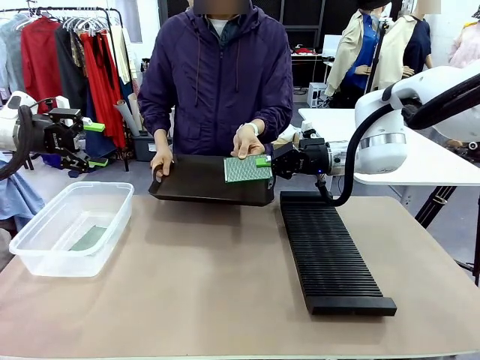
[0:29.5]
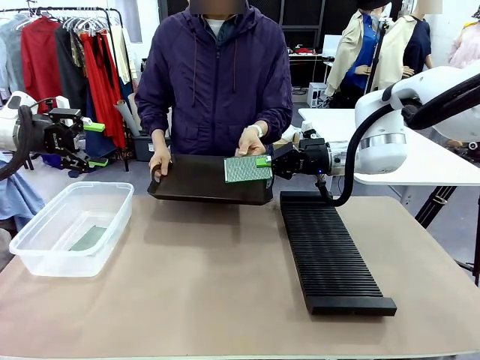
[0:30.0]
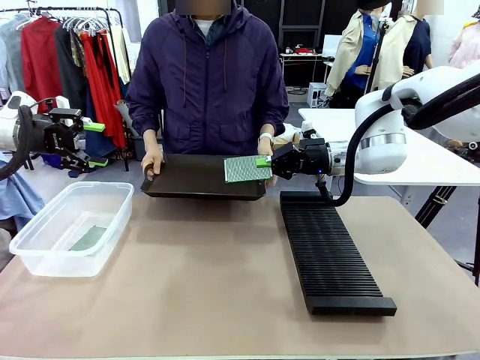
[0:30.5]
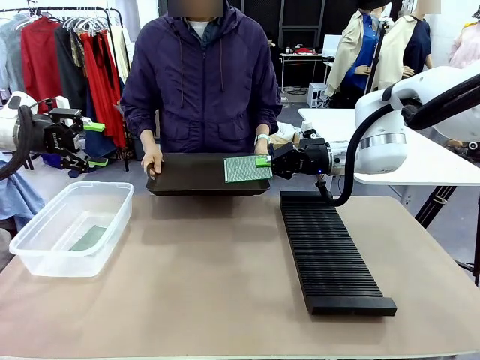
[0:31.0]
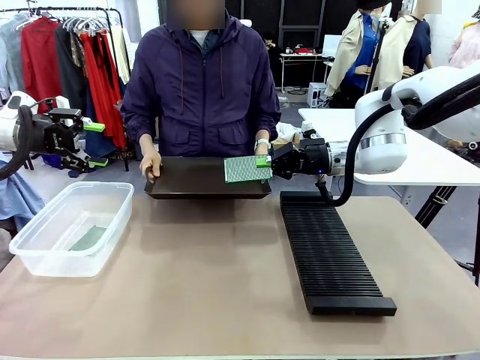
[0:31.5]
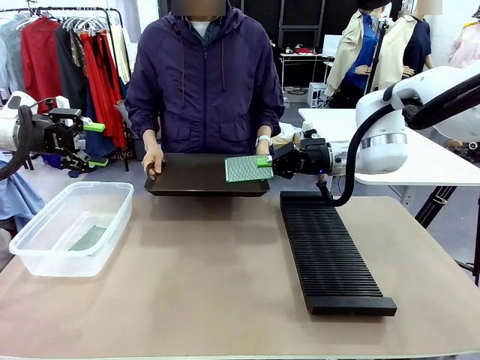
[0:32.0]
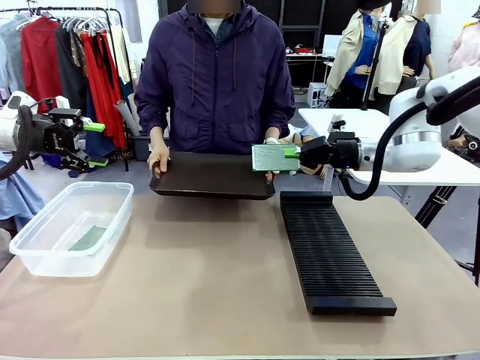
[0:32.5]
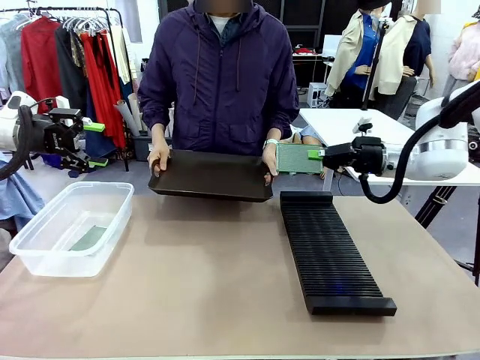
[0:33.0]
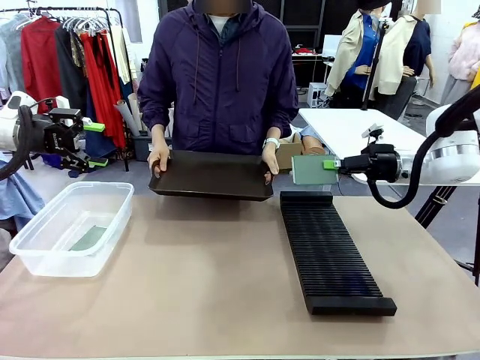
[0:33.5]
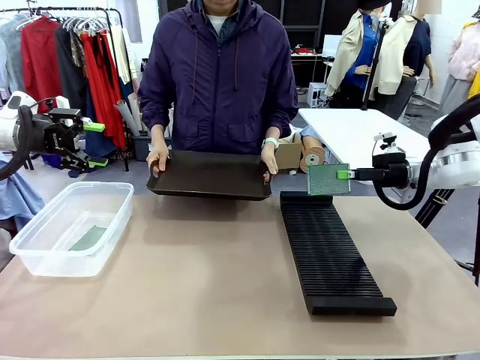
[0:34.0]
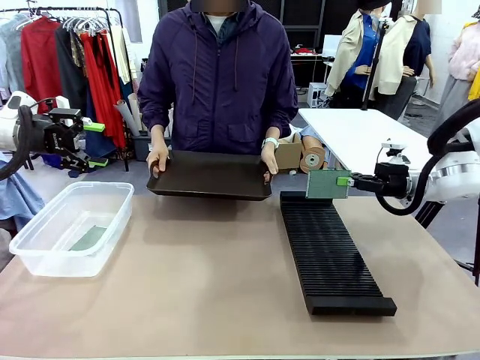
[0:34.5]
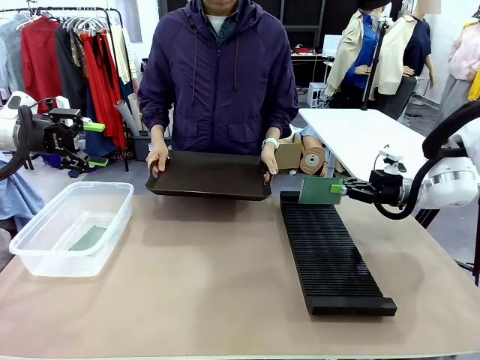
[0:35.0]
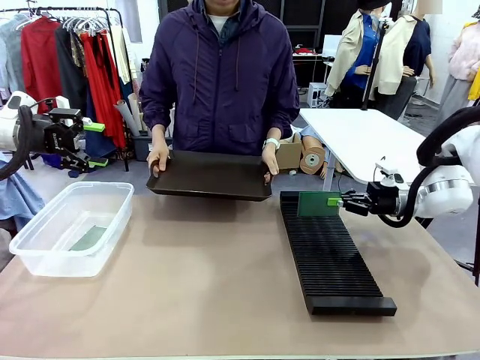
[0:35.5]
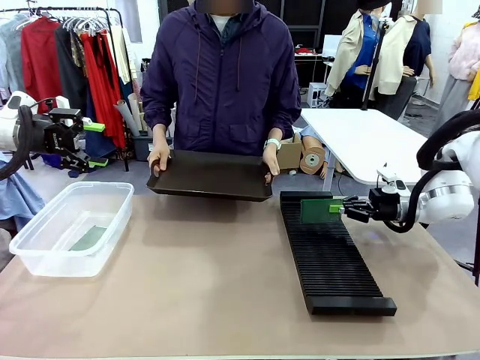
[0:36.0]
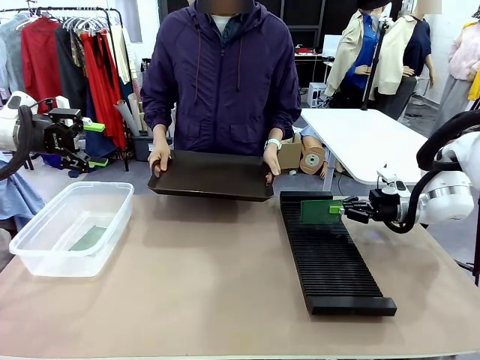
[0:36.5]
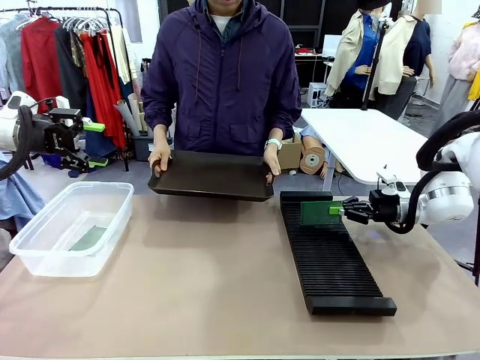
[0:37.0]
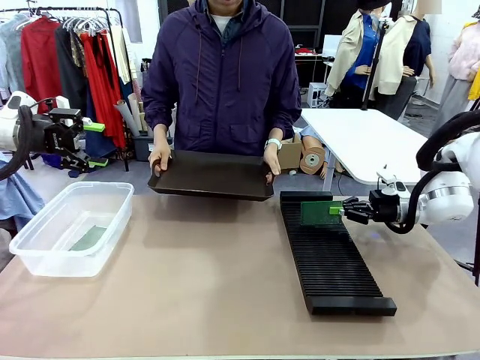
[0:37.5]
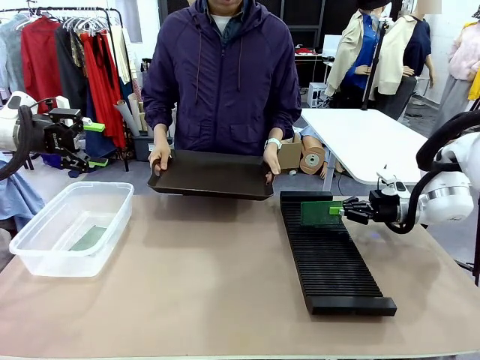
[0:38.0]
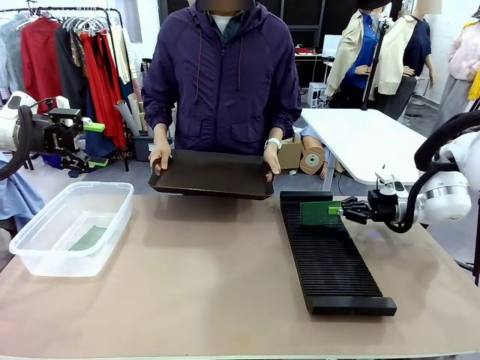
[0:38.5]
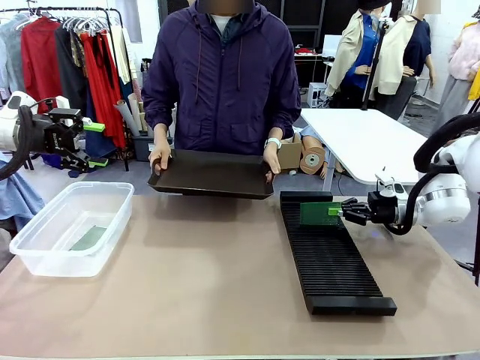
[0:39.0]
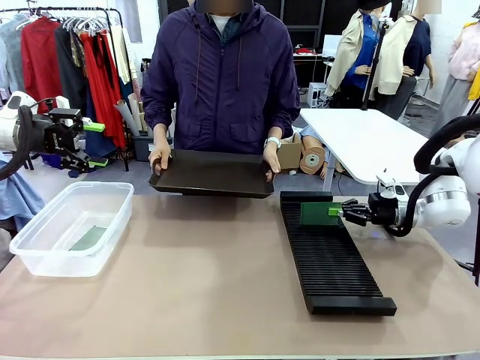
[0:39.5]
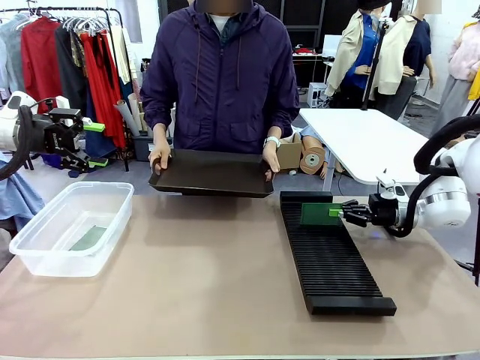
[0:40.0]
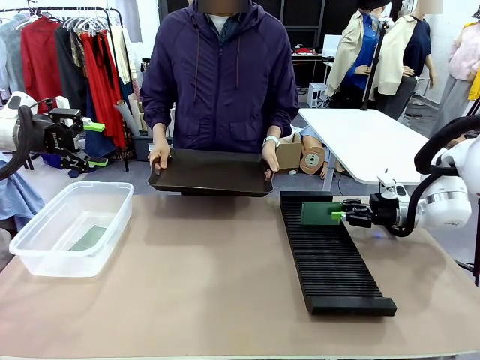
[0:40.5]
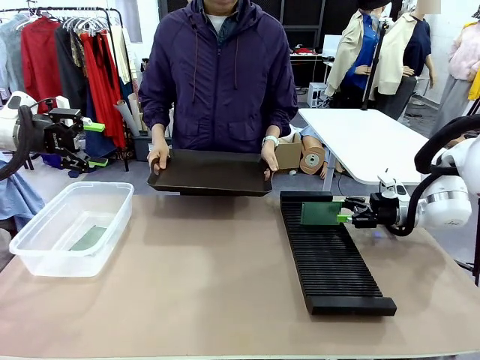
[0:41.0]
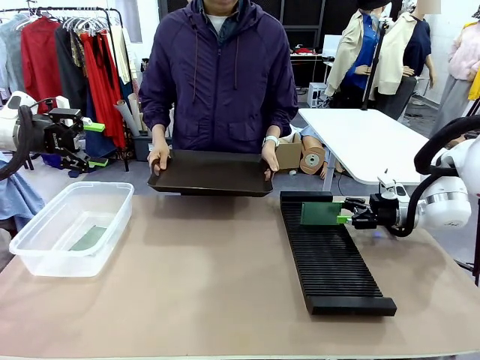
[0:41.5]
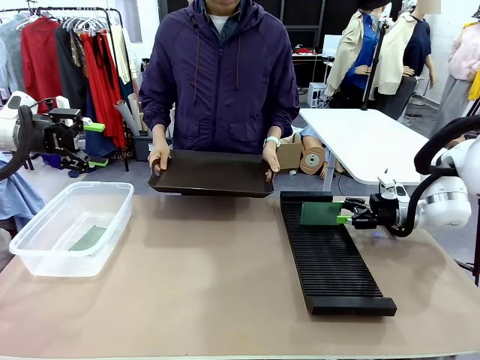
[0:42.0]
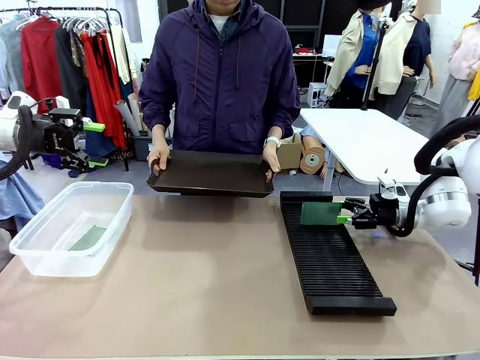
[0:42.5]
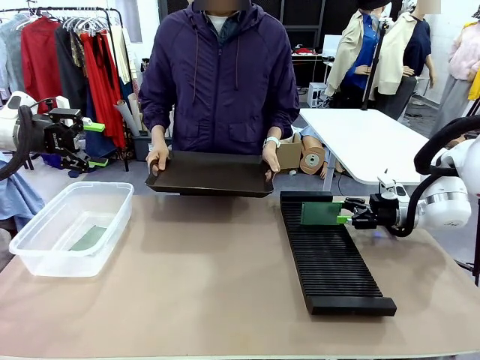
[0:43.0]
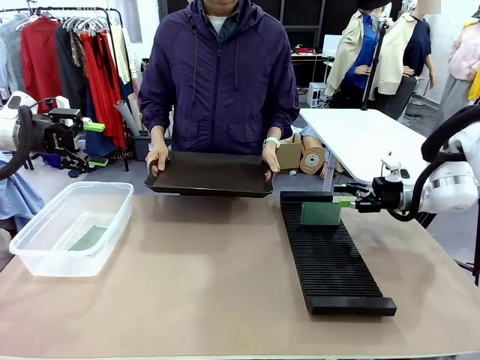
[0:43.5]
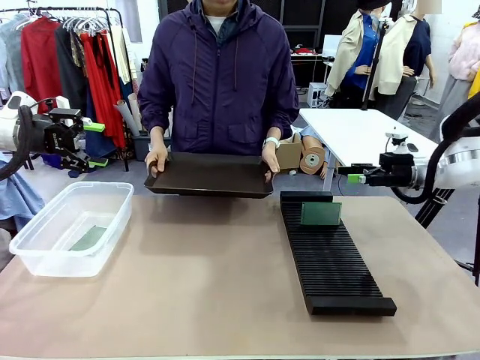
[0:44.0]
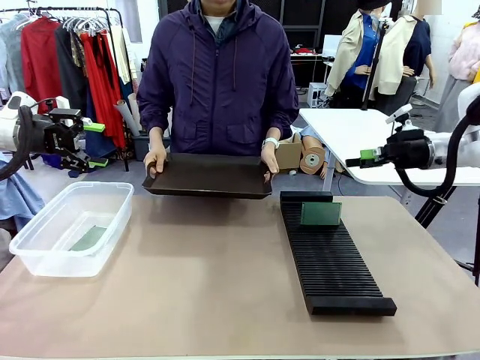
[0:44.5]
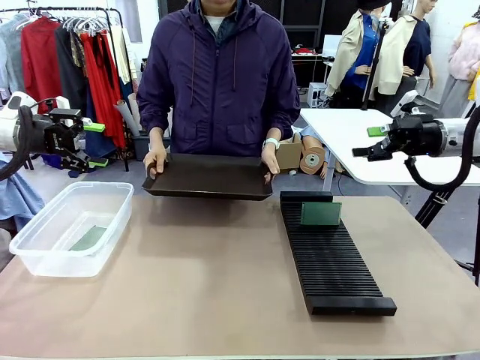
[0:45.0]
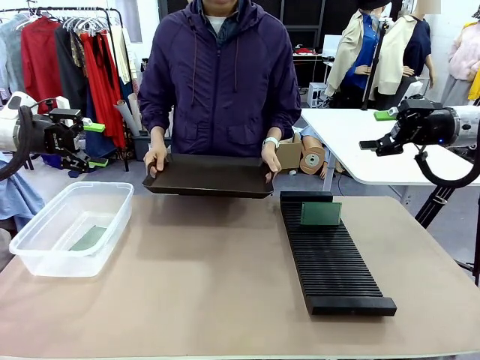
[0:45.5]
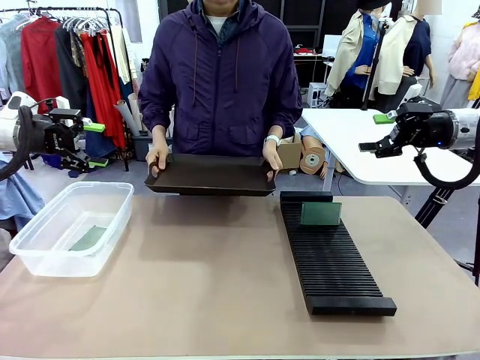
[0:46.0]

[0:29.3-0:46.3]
Task: Sort PCBs into racks and boxes based on the side picked up.
Robot: If the short side of the Blank PCB is picked up, insert it into the PCB Rack ; if the long side is picked up, place it in the Organizing box.
Person: Release the PCB being held.

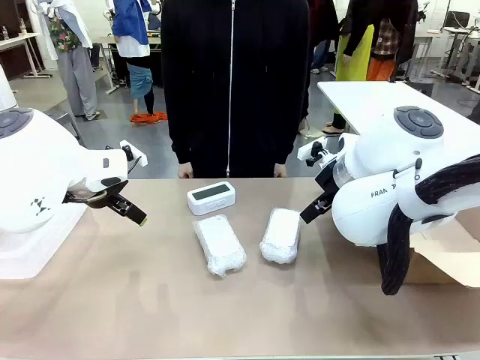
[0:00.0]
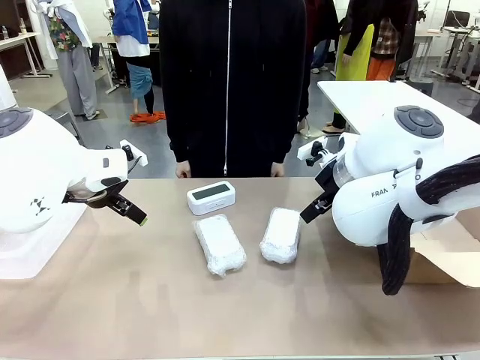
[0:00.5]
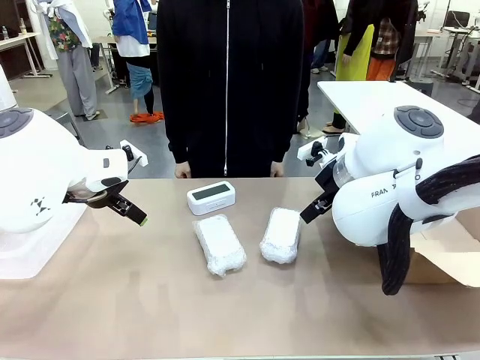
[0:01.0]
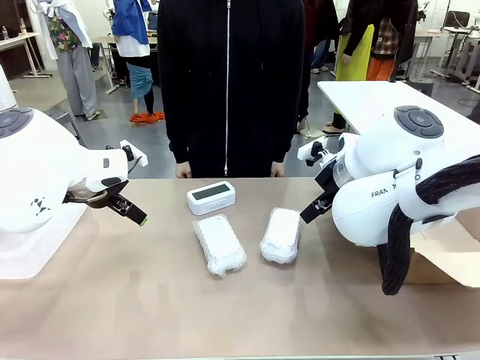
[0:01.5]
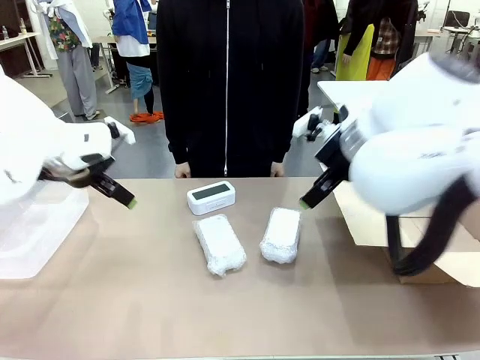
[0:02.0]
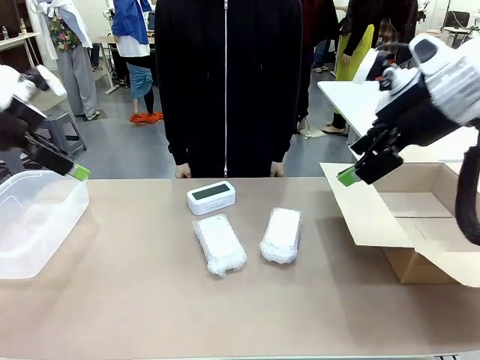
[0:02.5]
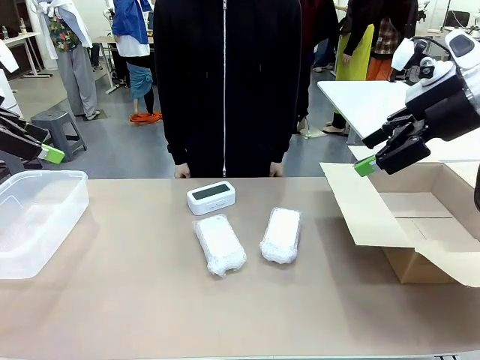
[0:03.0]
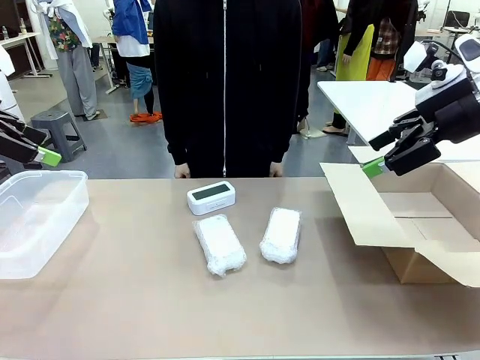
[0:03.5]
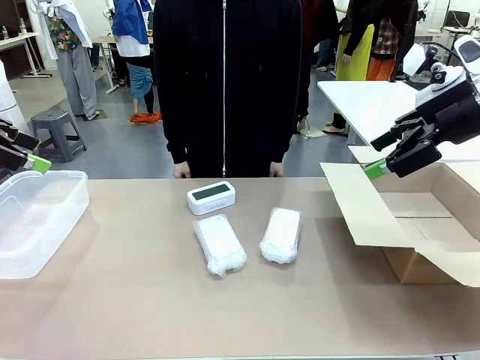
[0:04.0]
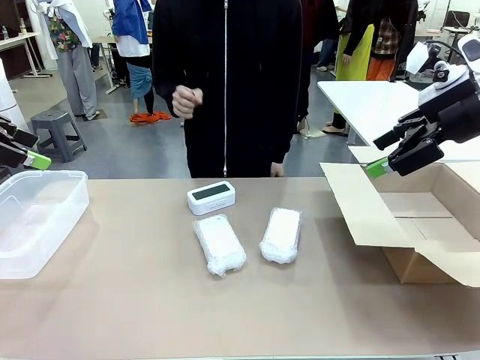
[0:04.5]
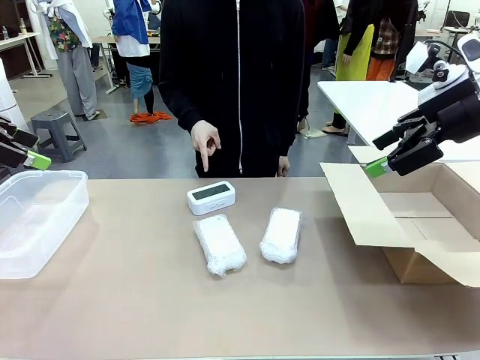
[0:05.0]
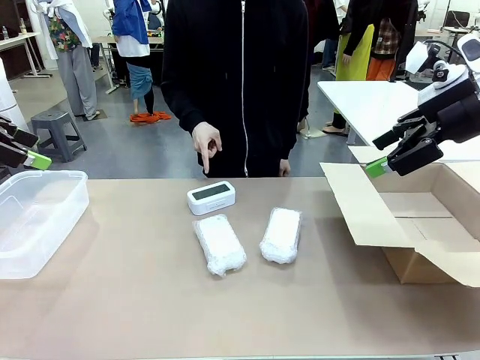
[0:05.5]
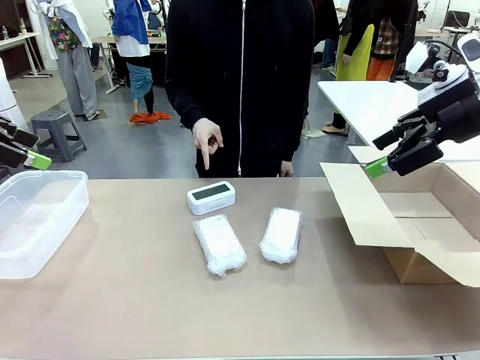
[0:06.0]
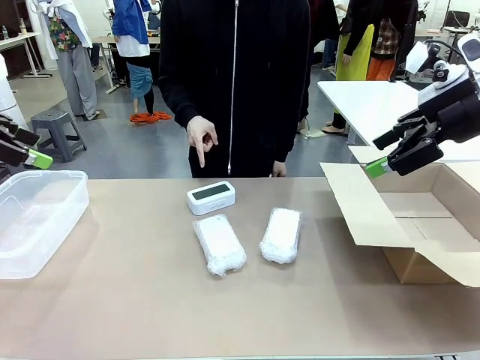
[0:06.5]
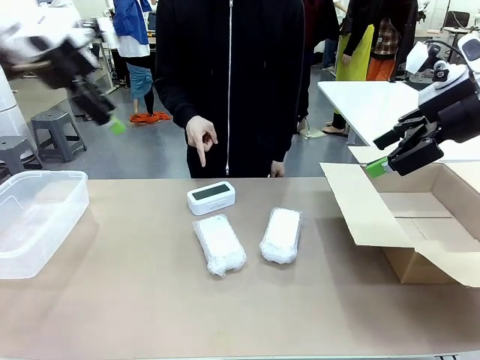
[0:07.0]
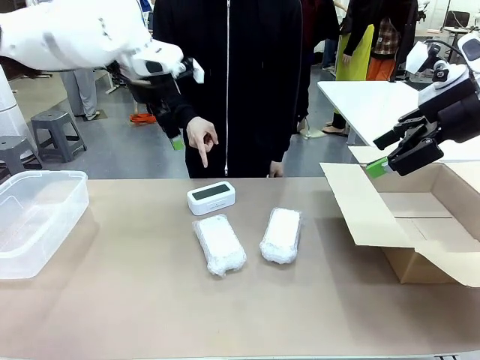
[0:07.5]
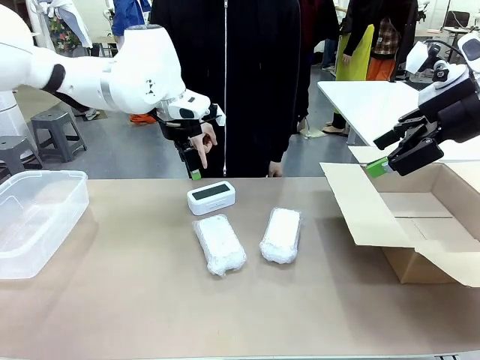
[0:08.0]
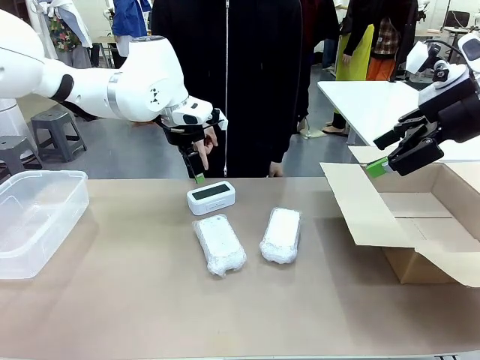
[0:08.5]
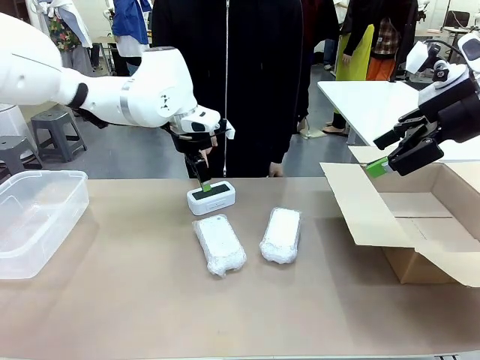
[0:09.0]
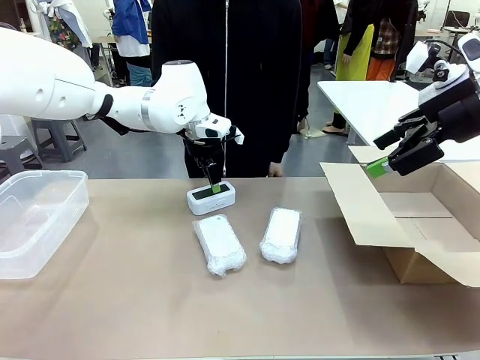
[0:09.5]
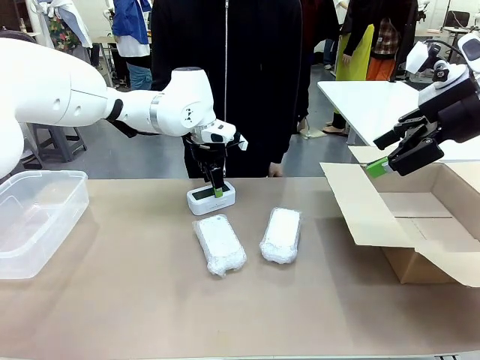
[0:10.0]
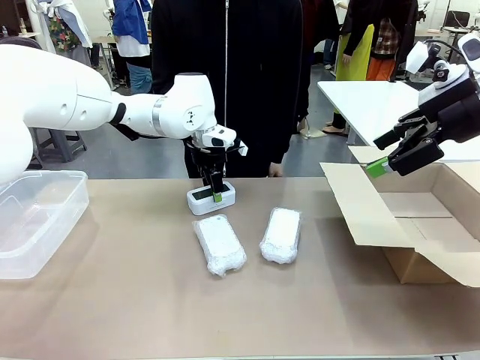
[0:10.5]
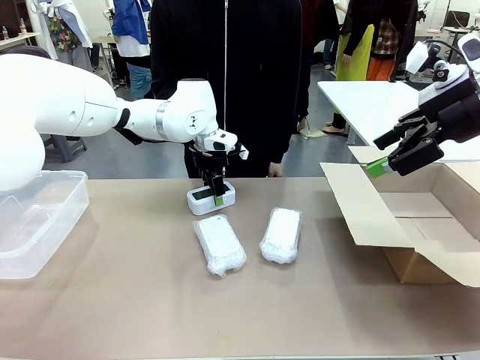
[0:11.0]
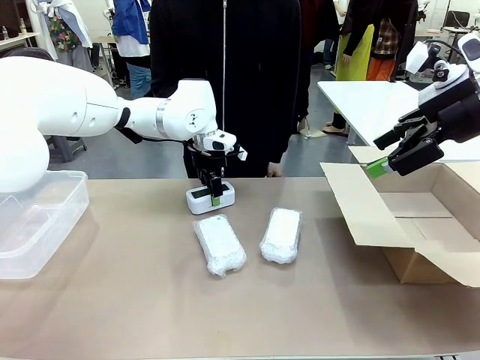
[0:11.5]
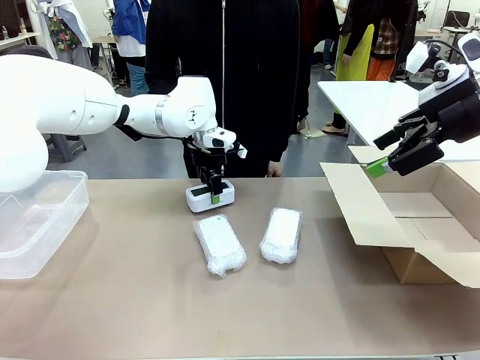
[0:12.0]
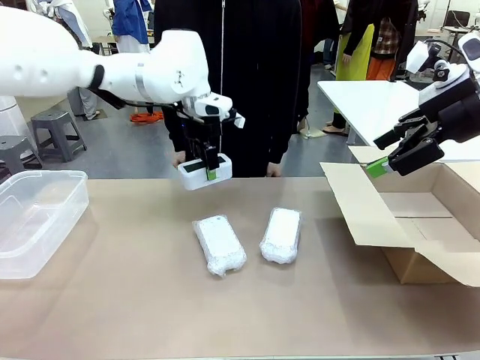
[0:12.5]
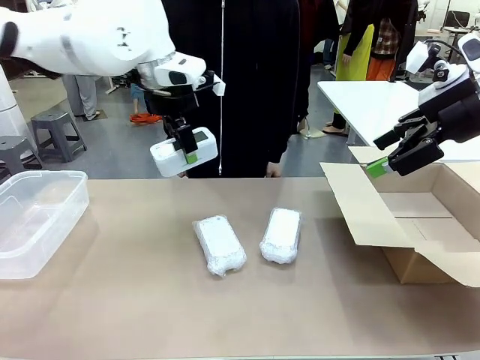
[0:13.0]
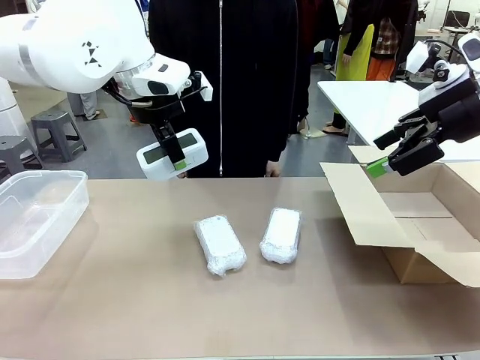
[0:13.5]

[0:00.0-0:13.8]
Task: Separate and place wrapped and unwrapped clocks.
Robot: Pick up the Digital clock indicated by the person.
